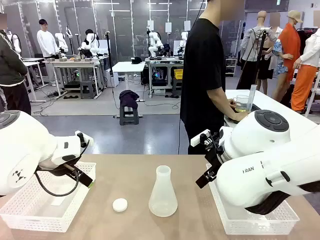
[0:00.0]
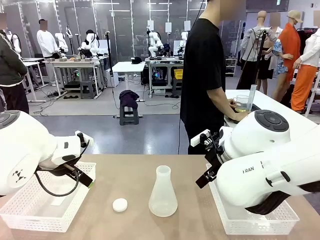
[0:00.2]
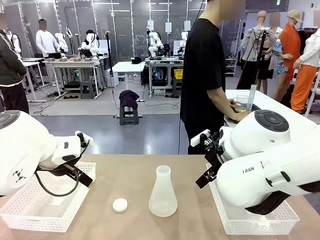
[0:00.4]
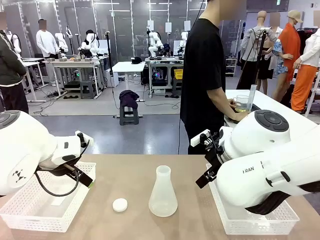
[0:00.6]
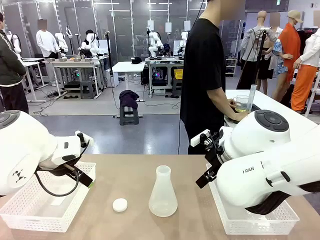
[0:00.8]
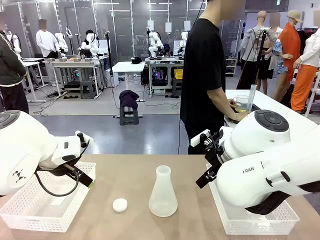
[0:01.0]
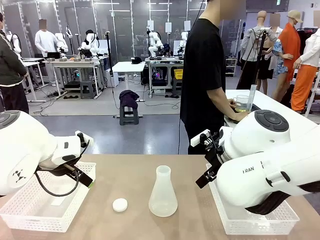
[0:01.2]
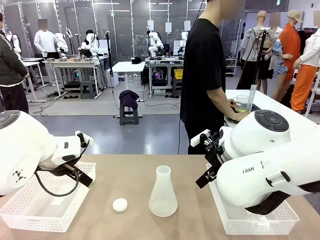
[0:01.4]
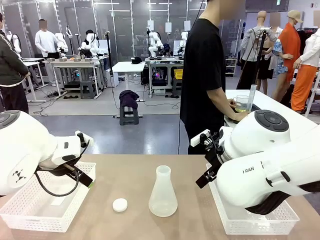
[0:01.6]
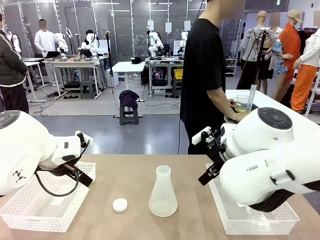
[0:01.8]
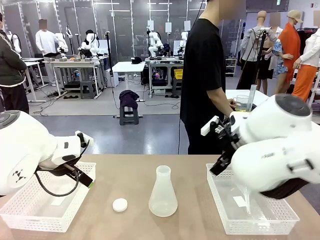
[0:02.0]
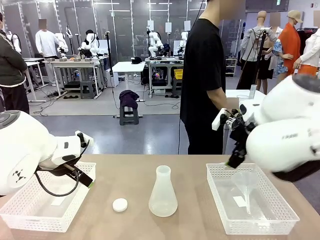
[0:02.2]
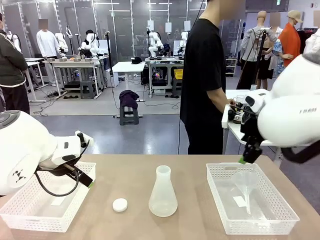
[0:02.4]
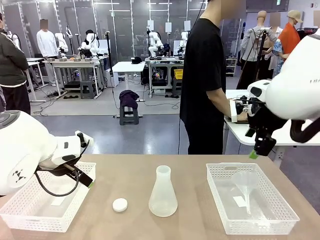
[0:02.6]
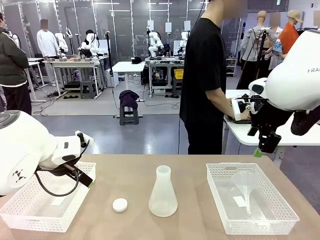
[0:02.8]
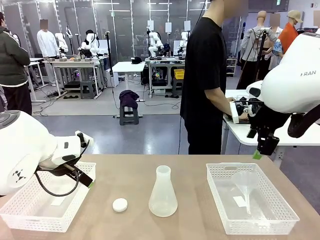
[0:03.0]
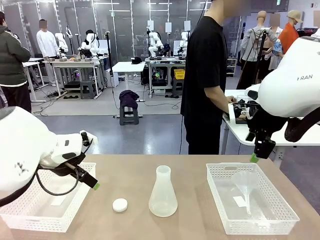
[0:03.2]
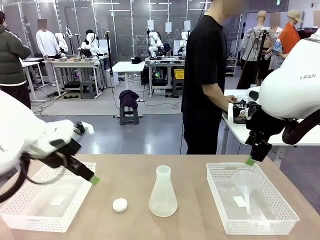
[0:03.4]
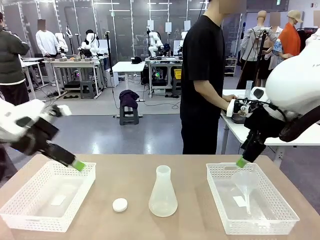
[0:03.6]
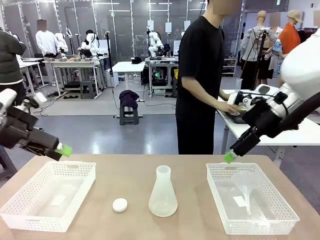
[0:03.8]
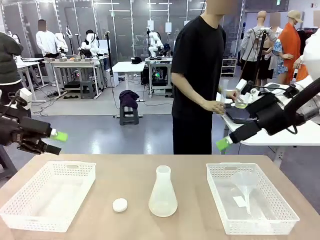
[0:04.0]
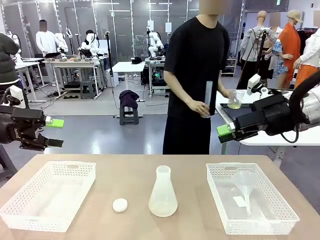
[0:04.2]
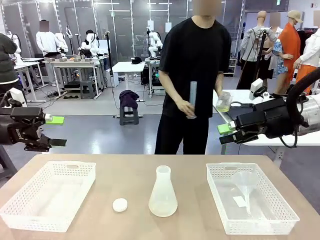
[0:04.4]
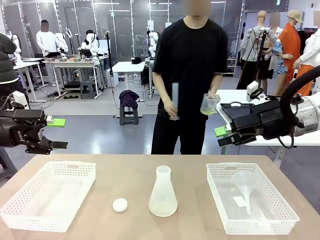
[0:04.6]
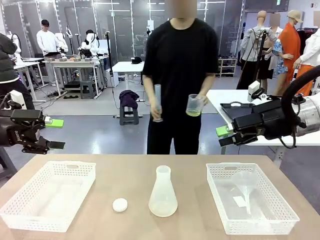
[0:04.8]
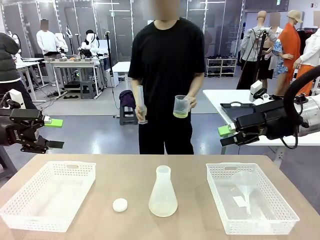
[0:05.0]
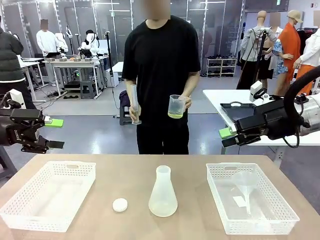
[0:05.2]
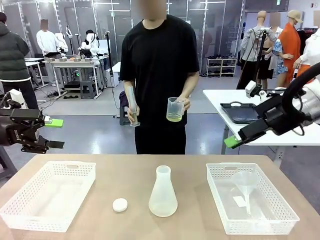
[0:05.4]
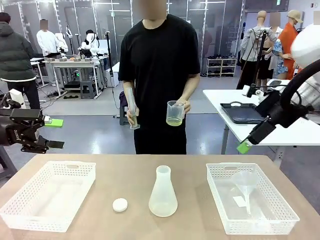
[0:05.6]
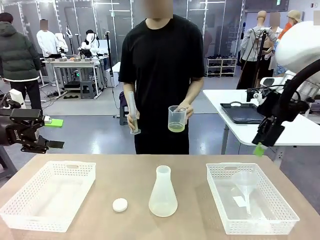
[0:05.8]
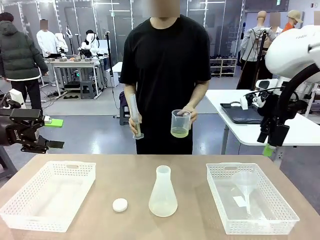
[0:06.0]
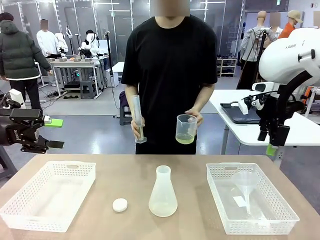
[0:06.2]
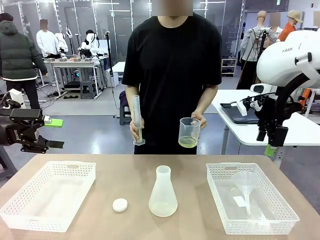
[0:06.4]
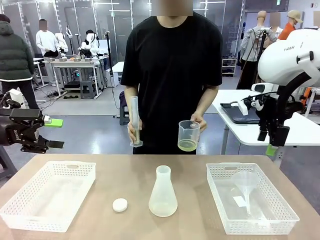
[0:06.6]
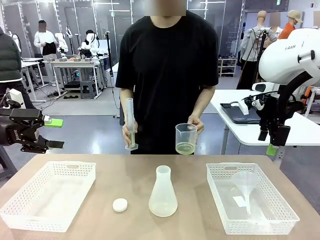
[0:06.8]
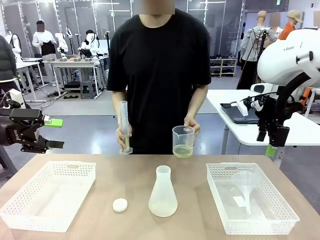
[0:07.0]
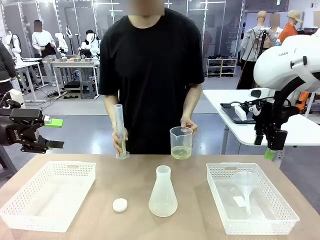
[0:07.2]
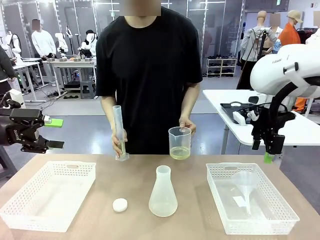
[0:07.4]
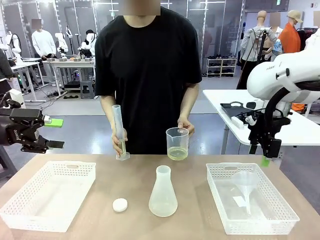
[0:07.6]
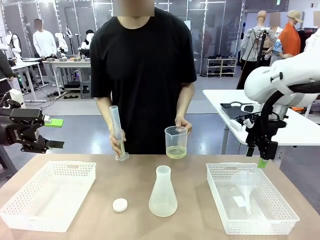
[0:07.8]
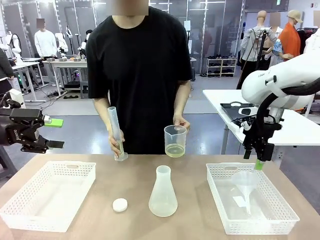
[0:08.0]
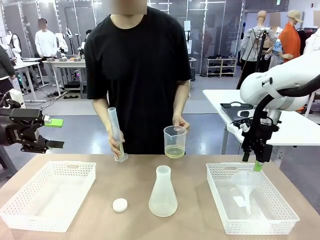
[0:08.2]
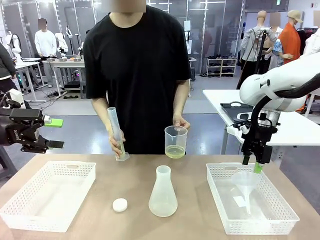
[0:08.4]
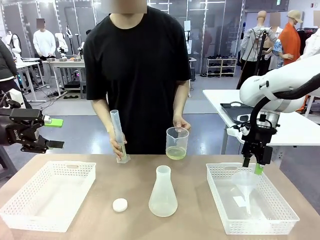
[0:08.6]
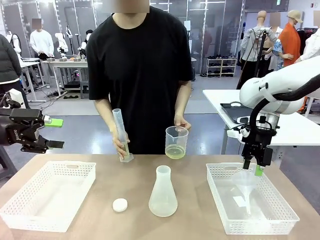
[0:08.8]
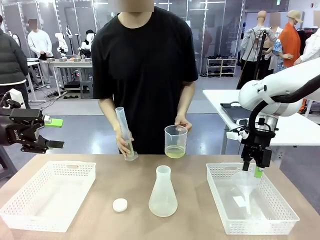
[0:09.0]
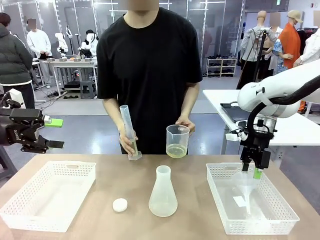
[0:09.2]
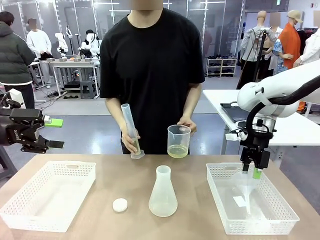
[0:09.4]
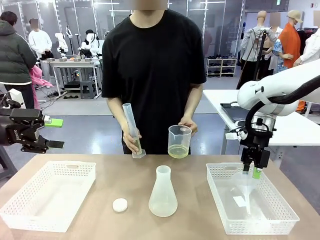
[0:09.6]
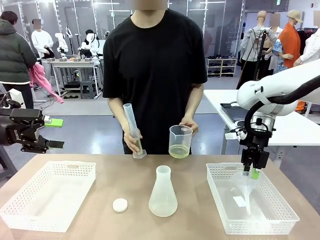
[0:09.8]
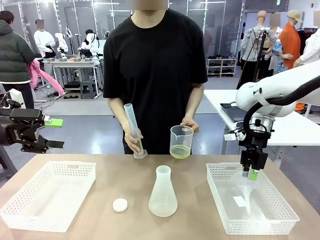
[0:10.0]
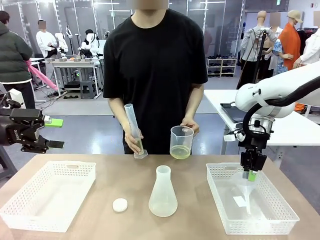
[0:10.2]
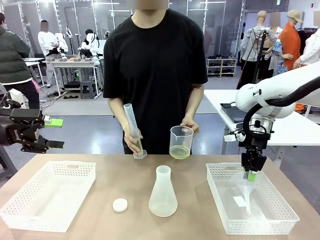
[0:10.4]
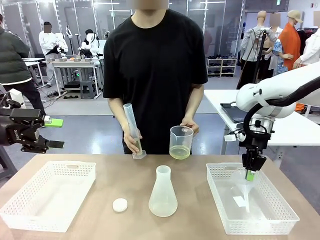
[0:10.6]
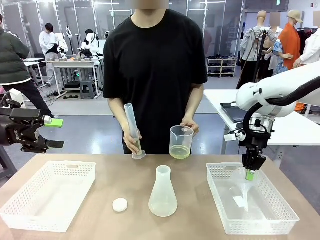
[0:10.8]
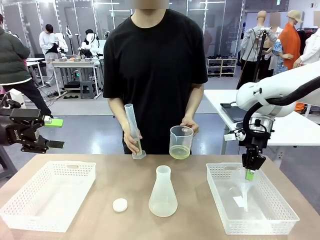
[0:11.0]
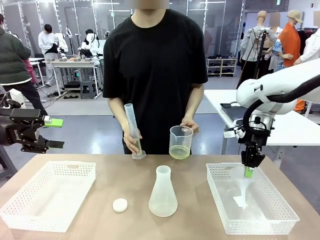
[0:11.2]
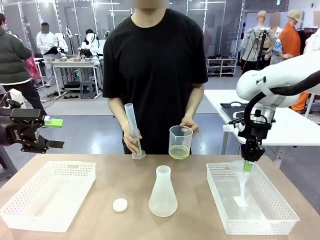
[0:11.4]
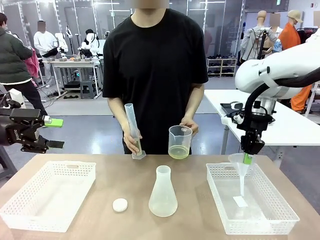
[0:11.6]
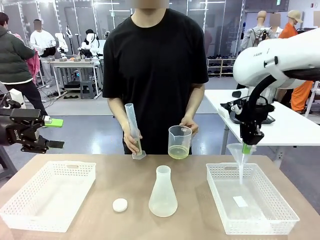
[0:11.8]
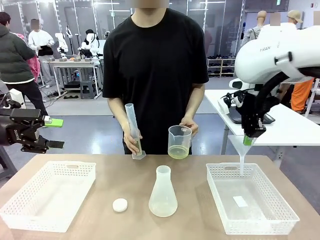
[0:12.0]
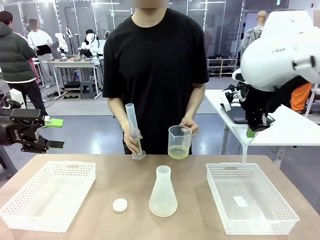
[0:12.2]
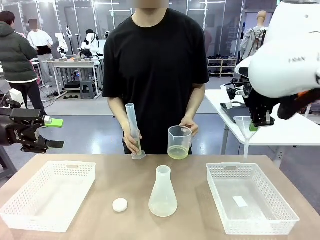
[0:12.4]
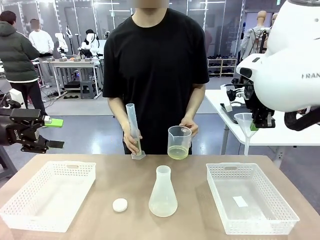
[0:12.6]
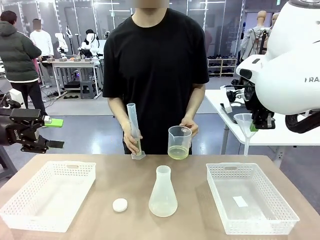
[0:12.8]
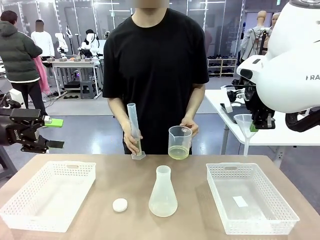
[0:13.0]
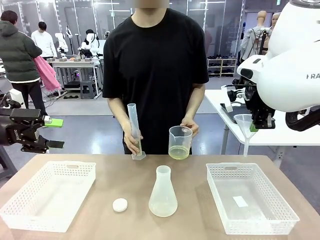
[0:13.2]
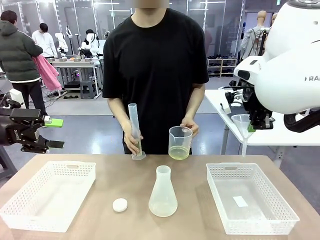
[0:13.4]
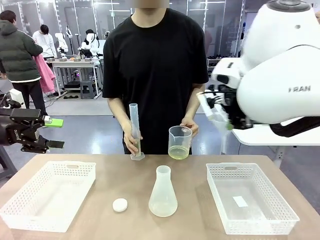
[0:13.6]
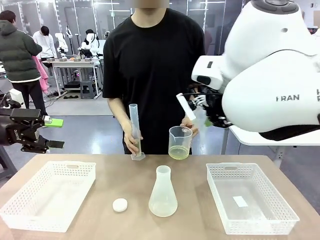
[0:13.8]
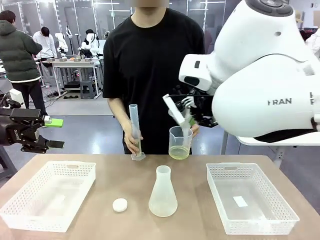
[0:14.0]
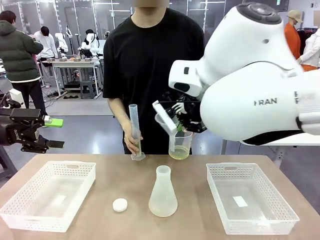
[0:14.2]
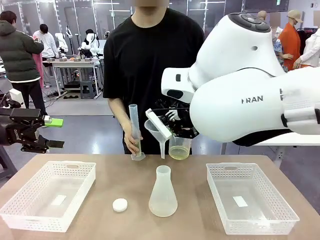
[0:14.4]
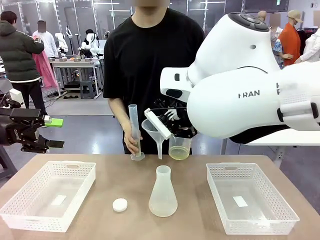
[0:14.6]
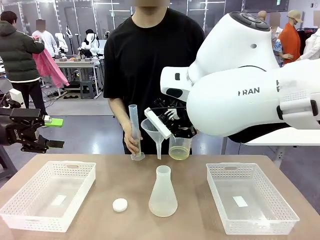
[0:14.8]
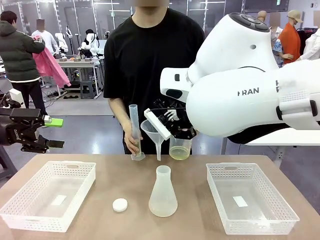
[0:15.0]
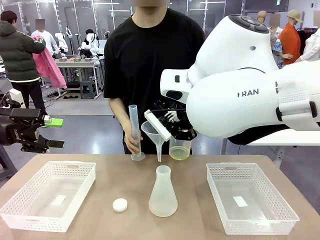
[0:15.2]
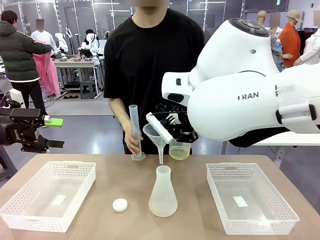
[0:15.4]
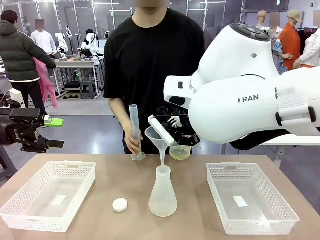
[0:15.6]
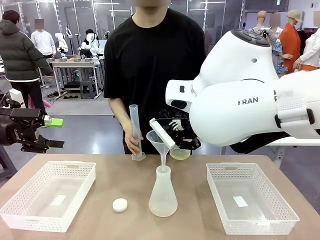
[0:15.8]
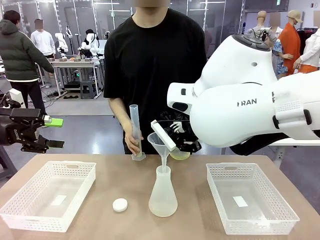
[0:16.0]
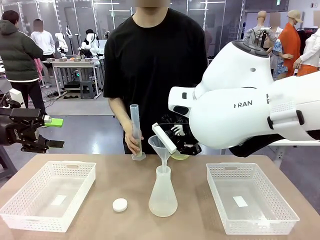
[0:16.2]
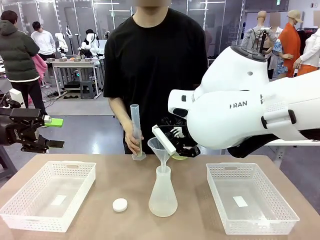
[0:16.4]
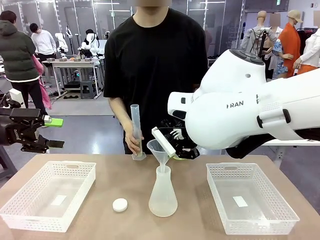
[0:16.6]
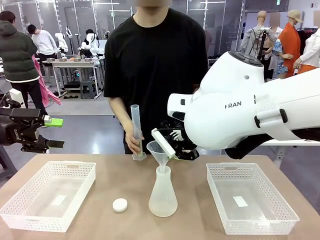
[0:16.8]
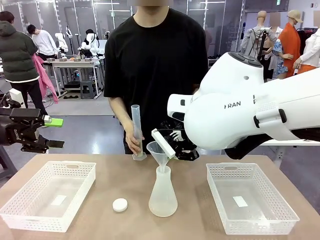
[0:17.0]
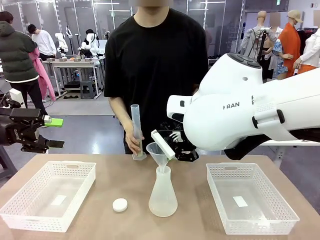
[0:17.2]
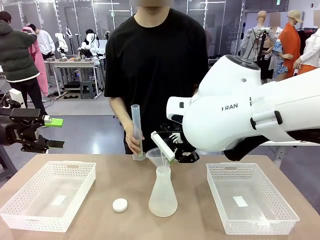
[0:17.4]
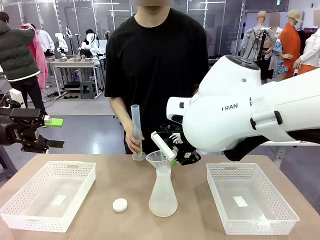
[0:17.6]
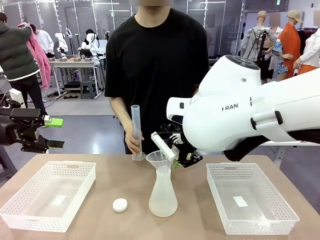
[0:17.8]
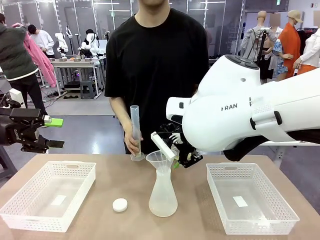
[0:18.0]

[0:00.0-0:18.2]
Task: Prepare the solutions needed for the experiment.
Robot: Pick up the Plastic Funnel and insert it into the Big flask.
Person: Pick up the beaker and the cylinder and move to the middle of the robot table. Pour the solution from the beaker and the cylinder into the flask.
